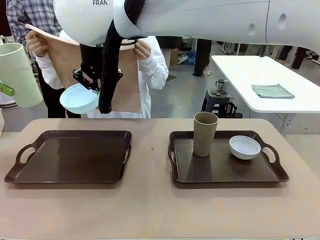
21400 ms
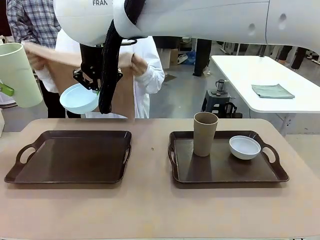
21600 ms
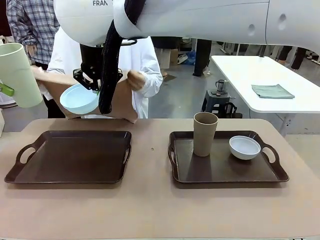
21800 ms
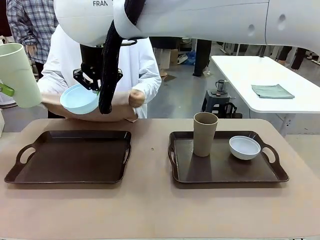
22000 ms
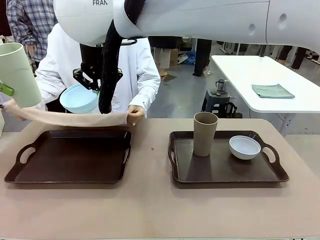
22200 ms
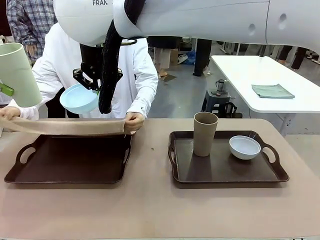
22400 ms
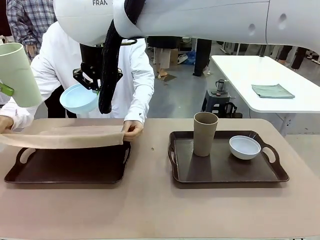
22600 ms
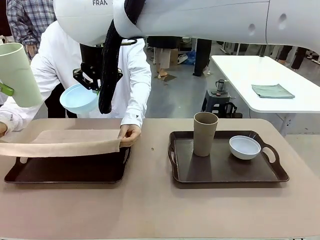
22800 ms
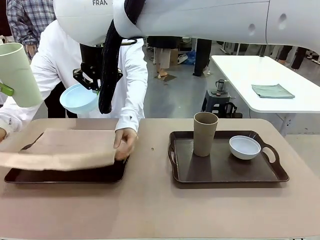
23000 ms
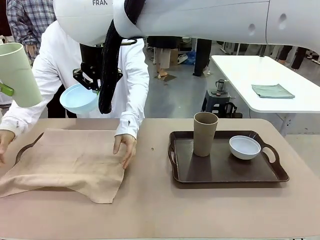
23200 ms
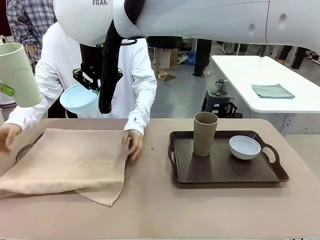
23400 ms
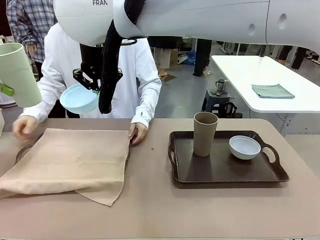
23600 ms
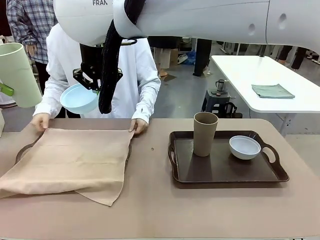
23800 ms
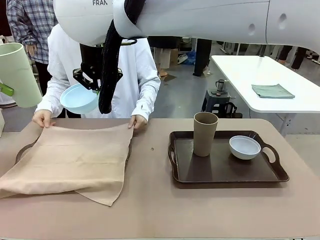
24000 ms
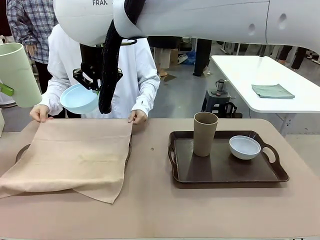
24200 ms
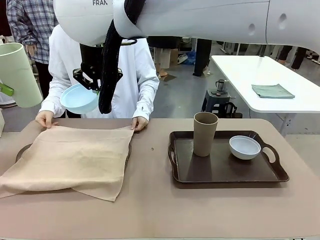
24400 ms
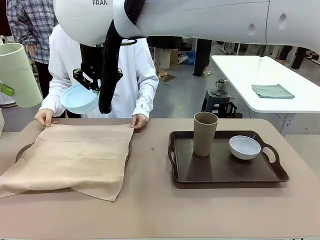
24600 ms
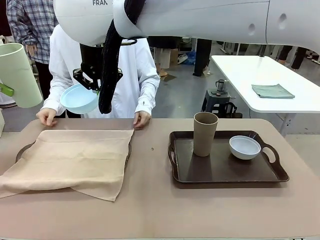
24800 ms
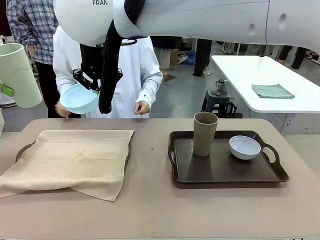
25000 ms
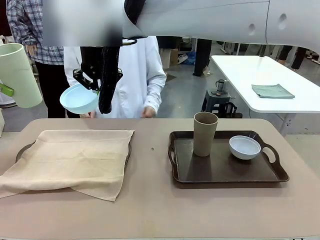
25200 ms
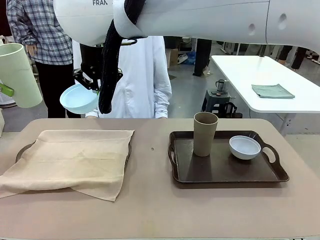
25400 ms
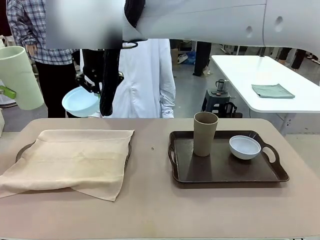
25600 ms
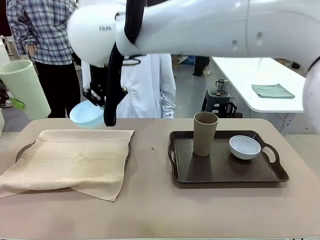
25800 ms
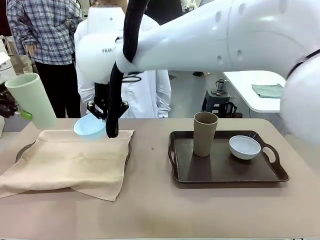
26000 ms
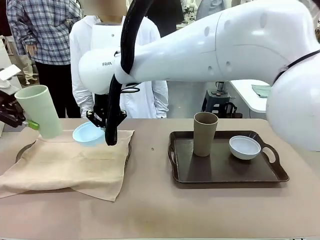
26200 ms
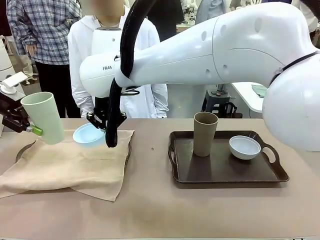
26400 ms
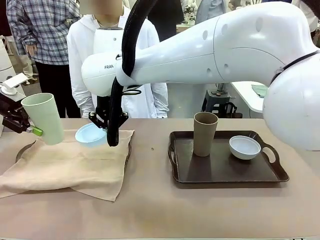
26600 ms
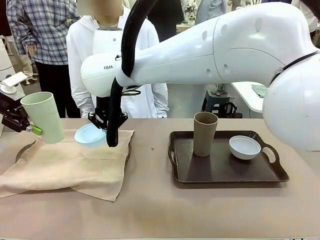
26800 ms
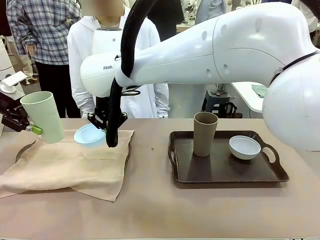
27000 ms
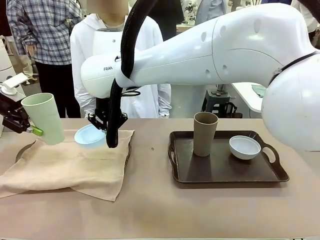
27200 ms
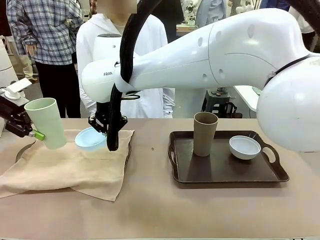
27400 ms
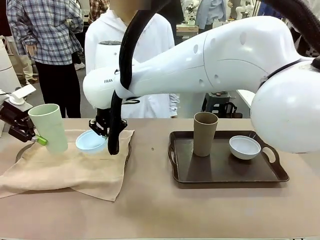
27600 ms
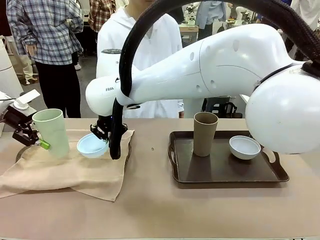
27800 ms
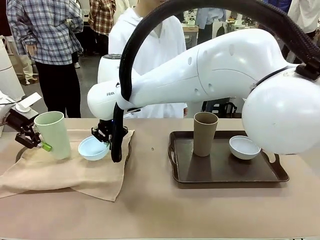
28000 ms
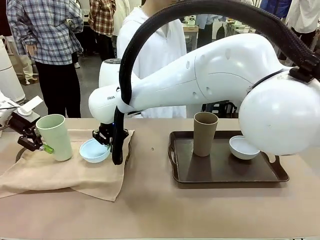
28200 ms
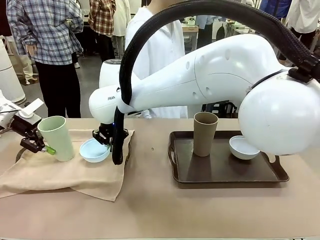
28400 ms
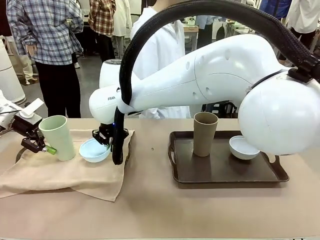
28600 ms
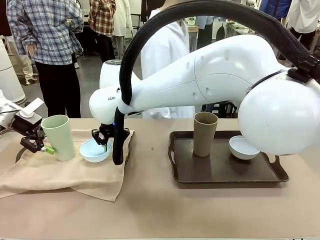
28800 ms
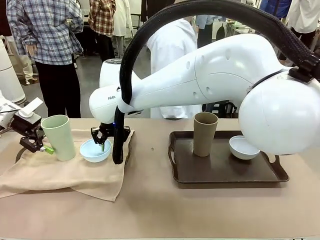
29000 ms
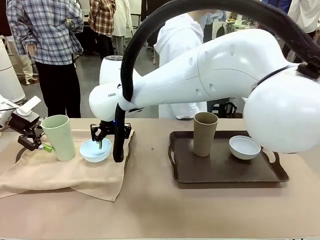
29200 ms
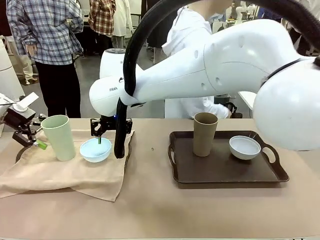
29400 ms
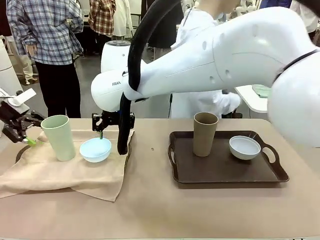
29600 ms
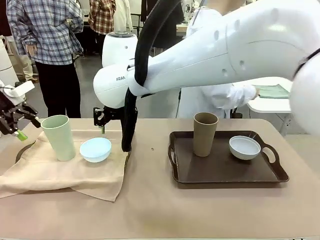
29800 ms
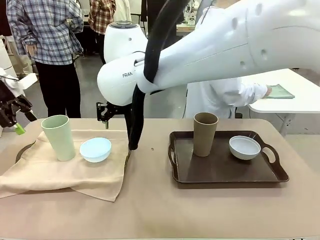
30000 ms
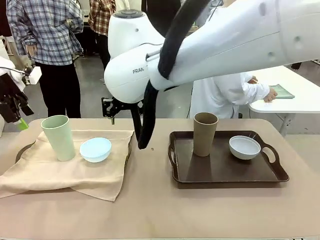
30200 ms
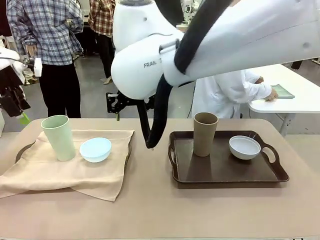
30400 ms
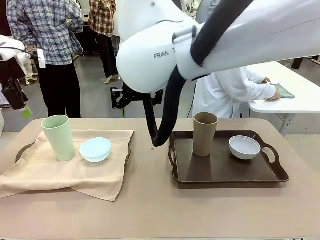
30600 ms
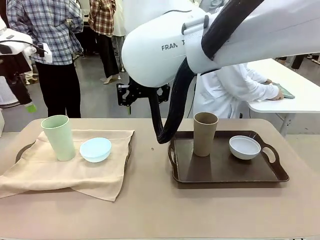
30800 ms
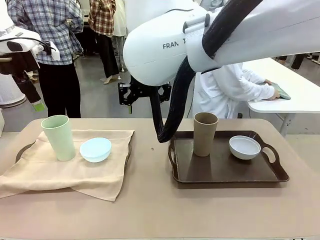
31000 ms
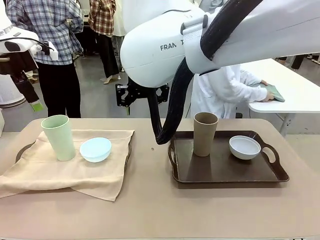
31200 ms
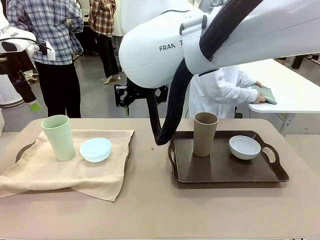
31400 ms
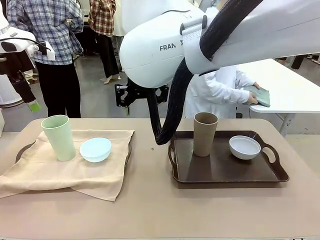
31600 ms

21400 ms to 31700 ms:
Robot: Place the Picnic Bowl and Reusable plastic cup back onto the Handle tray in front of the human's position.
Person: The human returns to the human table to pick up another napkin and walks to the robot table to stand in front of the tray without a napkin.

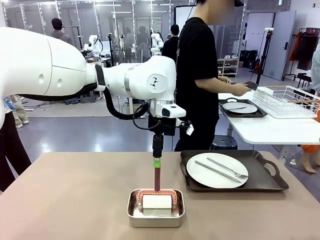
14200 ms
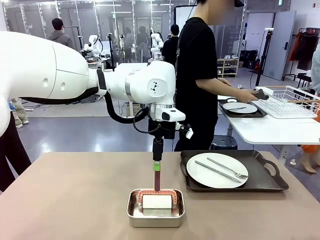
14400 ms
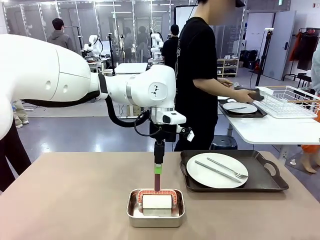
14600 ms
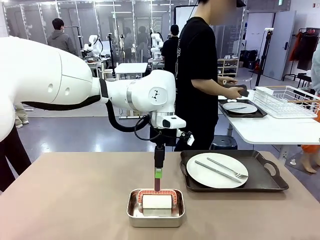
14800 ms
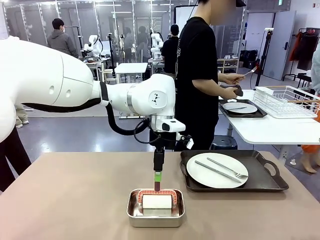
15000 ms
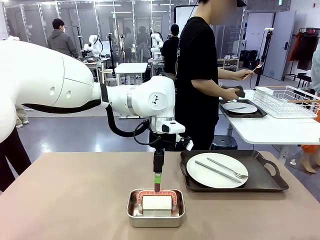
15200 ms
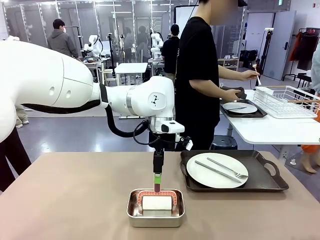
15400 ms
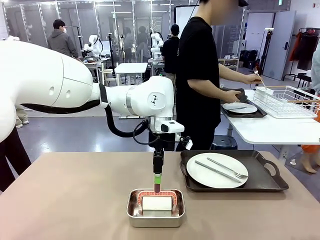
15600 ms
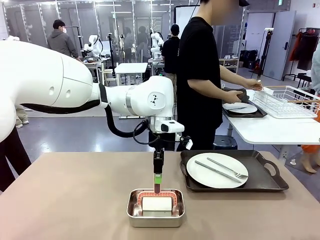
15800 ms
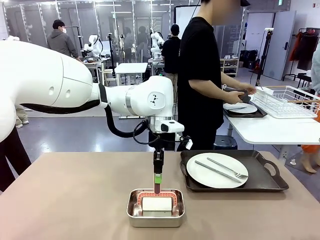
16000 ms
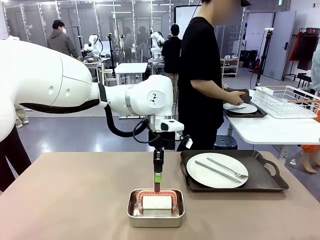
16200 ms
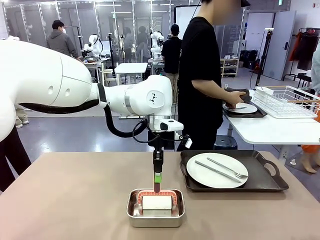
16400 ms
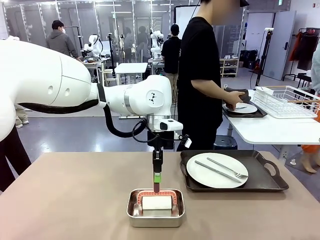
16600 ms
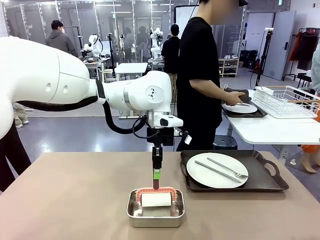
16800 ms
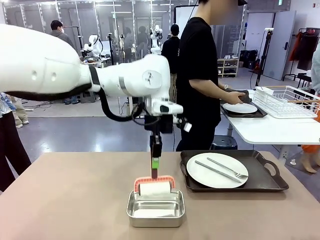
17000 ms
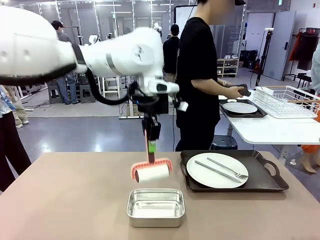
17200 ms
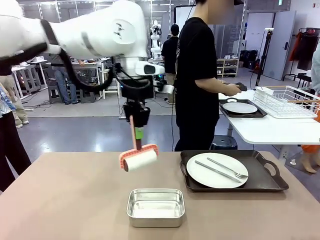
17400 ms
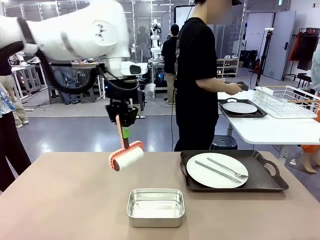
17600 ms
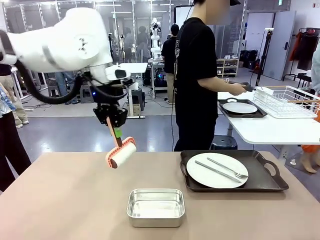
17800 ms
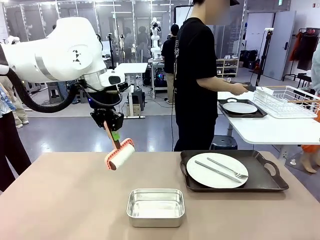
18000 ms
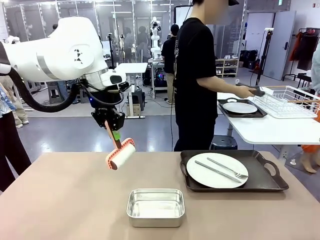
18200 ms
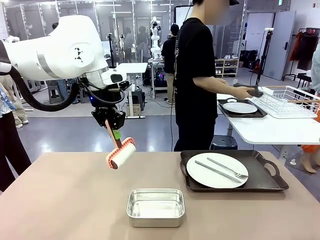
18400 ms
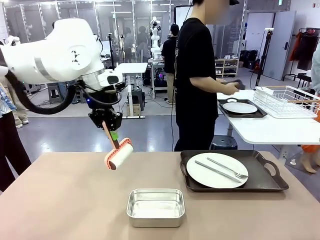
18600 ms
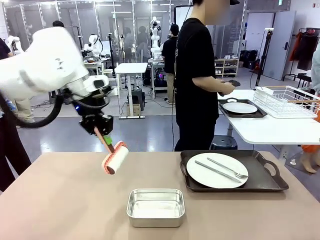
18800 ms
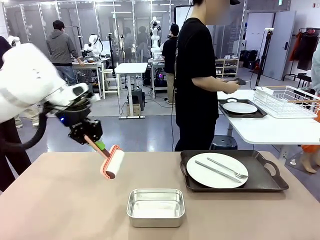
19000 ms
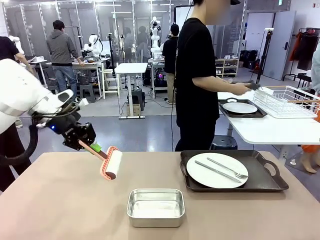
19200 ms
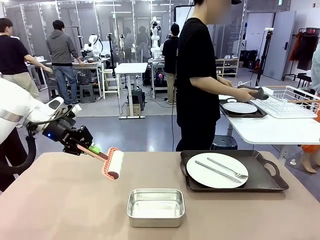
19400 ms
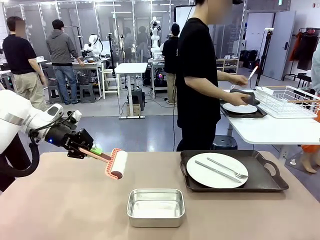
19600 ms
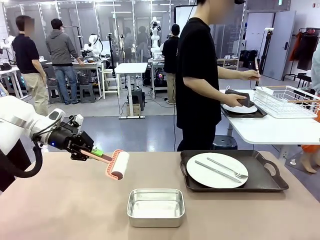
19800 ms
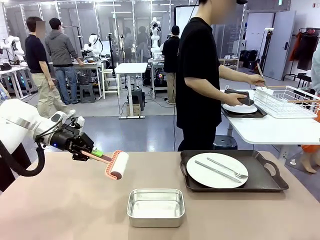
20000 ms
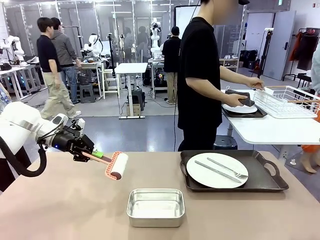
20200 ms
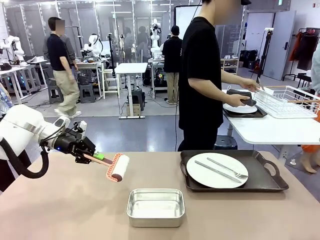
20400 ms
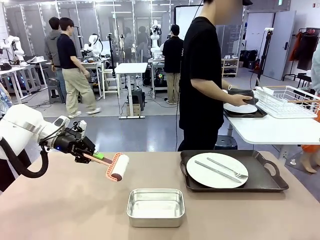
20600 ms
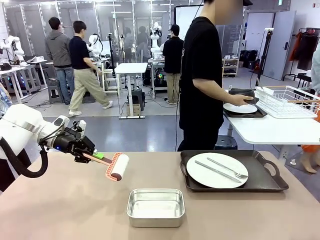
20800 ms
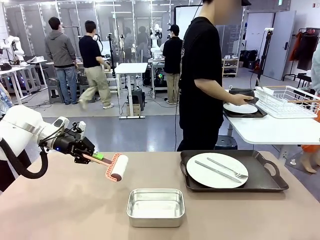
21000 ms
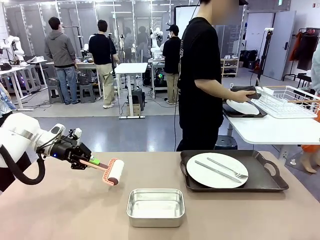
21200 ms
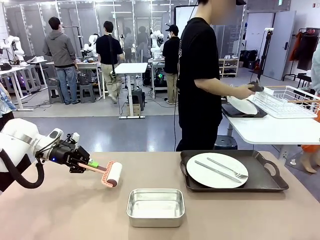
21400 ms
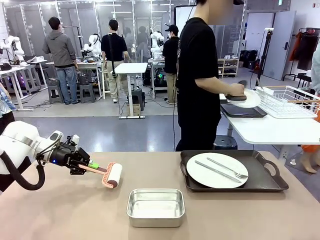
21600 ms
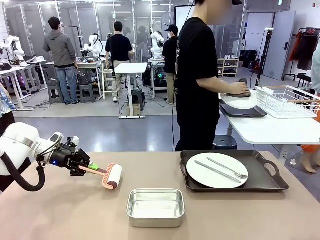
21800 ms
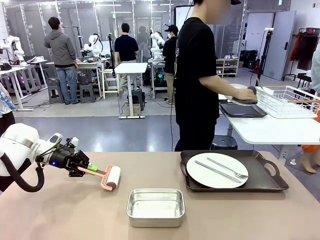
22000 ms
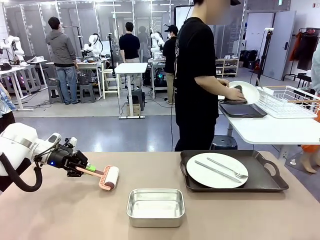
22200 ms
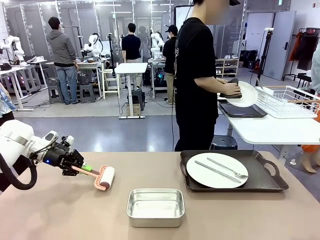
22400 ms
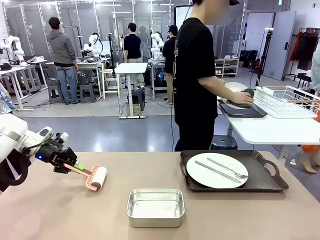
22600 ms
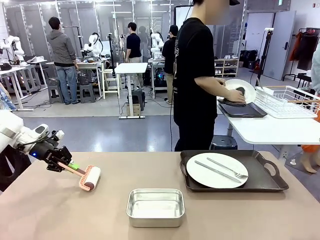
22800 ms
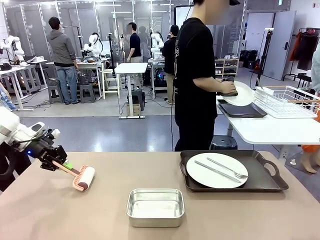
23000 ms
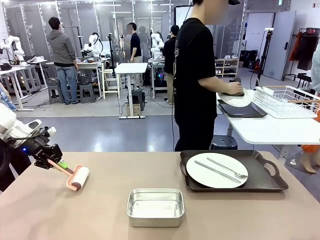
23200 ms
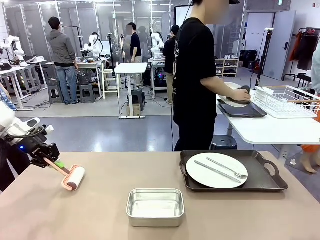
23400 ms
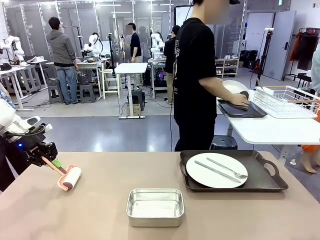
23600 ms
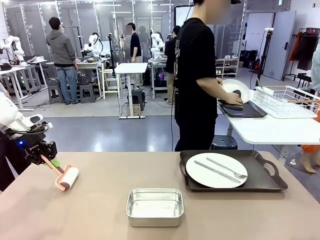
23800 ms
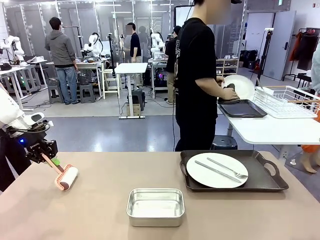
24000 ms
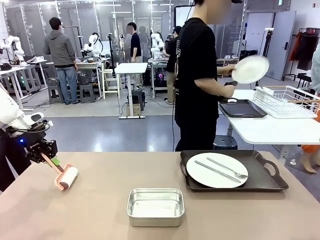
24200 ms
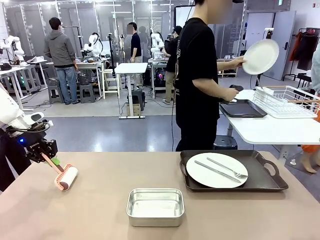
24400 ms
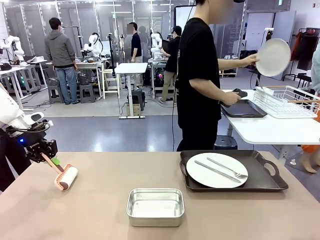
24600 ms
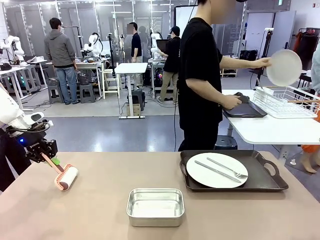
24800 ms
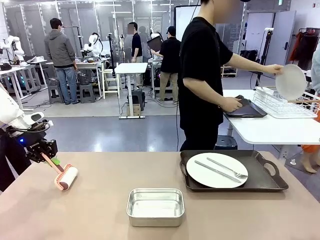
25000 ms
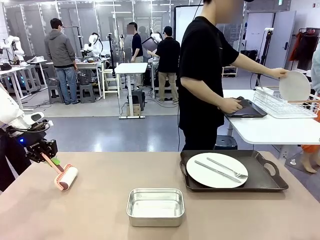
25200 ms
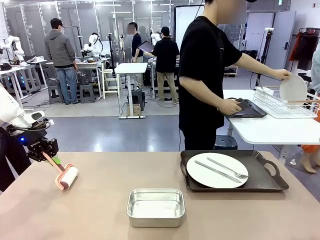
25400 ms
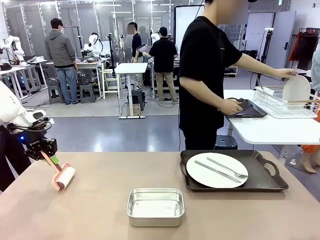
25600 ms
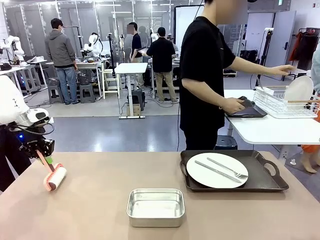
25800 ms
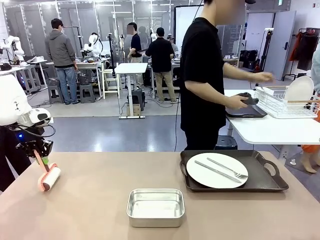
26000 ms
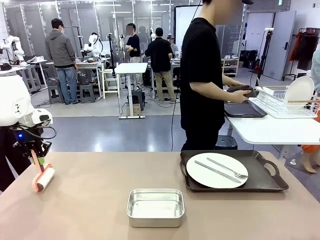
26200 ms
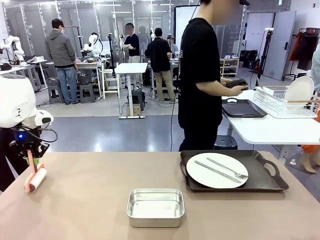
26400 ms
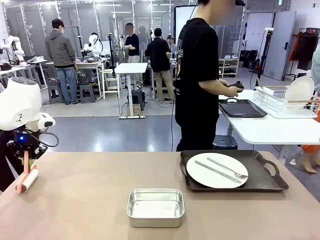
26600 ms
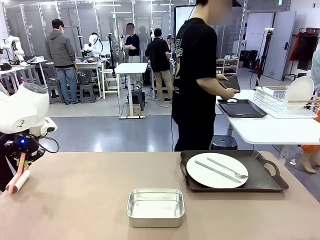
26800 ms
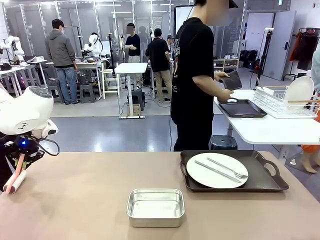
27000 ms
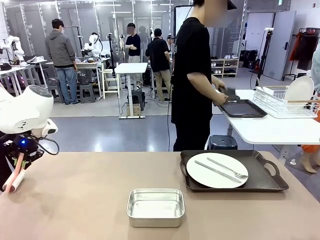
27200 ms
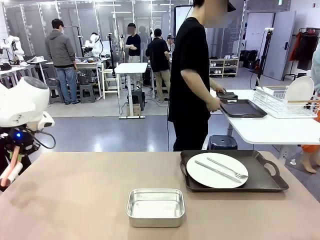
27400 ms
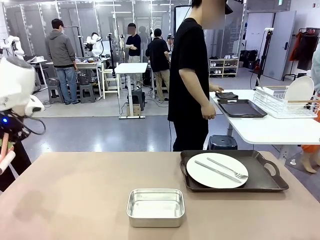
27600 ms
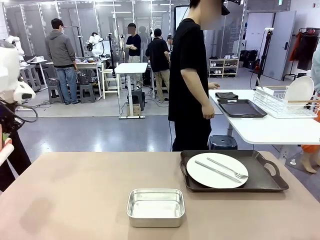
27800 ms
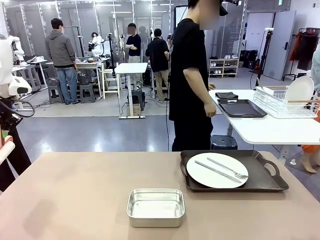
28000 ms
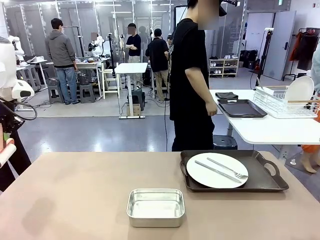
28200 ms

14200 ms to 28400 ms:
Robot: When the left (or right) Handle tray is removed, use the left hand (or right hand) to clean the left (or right) side of the table with the Lint Roller.
Person: Use the Towel with hook to wipe the Plastic Matte Plate , Fork , and Knife and place into the Dish drying rack.
